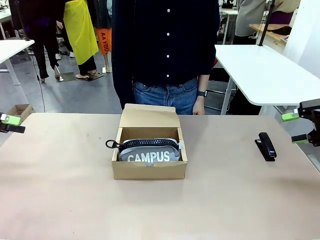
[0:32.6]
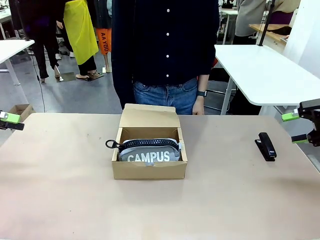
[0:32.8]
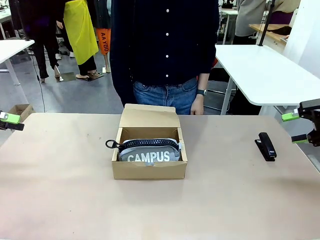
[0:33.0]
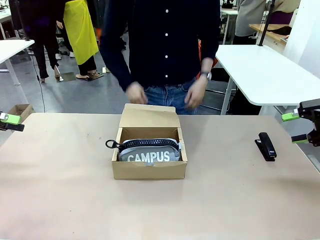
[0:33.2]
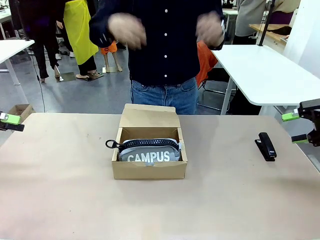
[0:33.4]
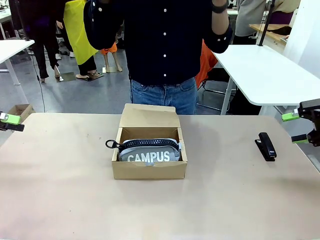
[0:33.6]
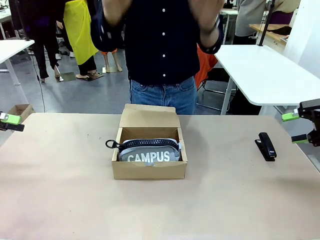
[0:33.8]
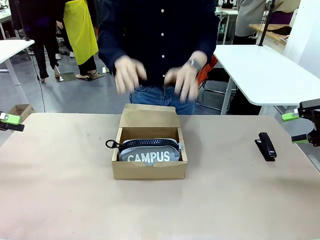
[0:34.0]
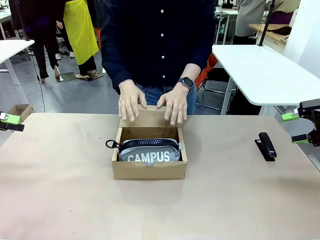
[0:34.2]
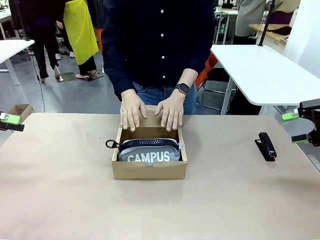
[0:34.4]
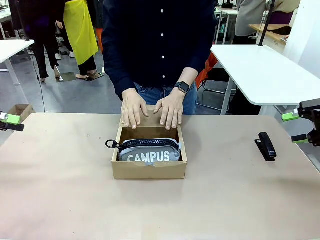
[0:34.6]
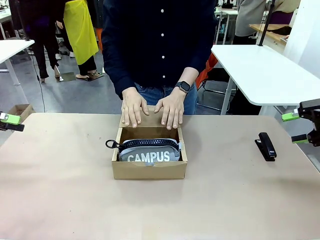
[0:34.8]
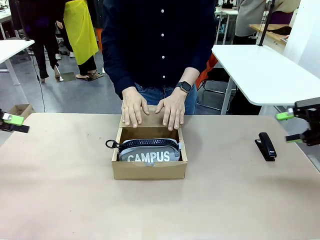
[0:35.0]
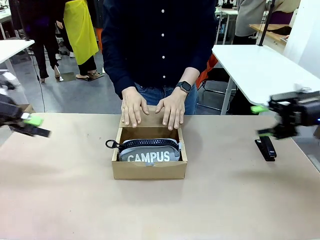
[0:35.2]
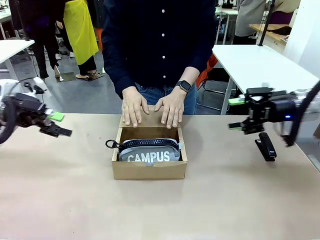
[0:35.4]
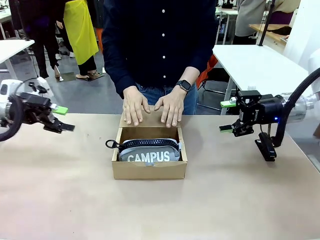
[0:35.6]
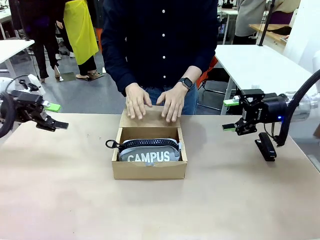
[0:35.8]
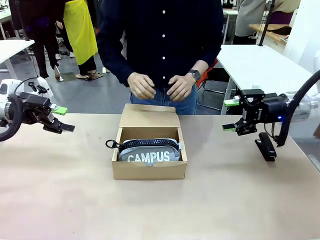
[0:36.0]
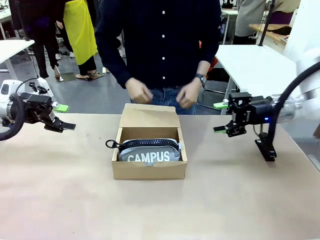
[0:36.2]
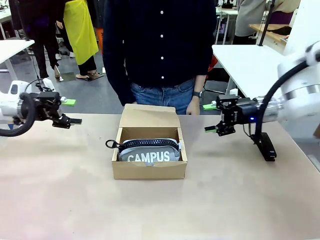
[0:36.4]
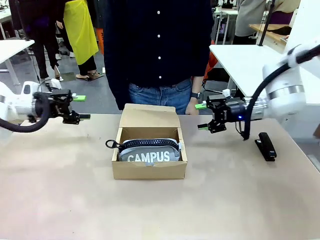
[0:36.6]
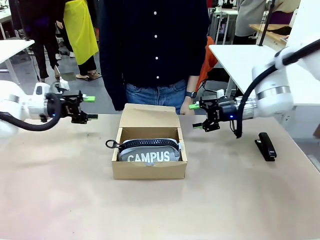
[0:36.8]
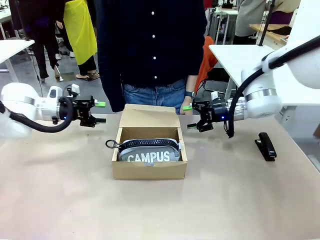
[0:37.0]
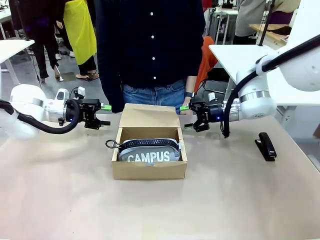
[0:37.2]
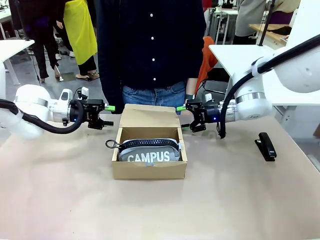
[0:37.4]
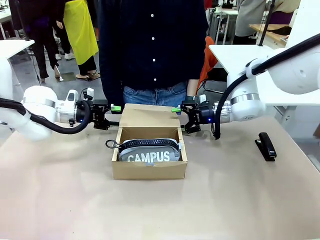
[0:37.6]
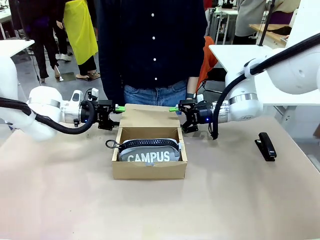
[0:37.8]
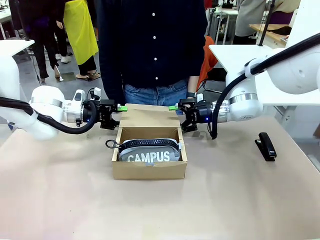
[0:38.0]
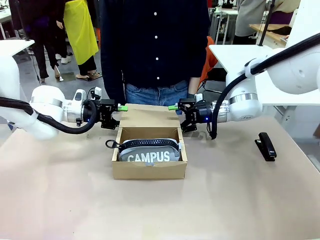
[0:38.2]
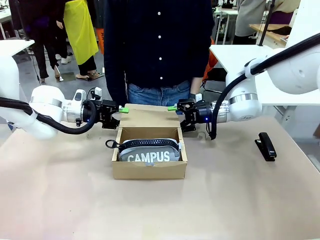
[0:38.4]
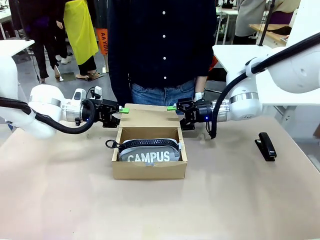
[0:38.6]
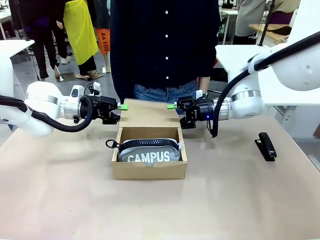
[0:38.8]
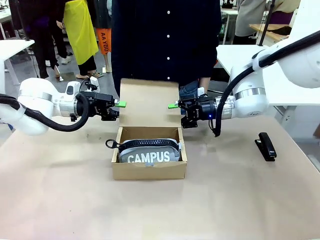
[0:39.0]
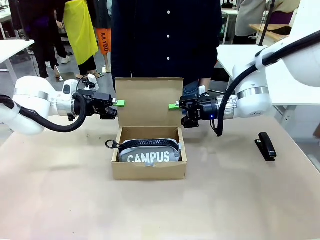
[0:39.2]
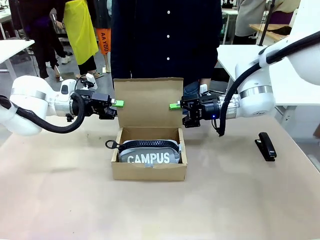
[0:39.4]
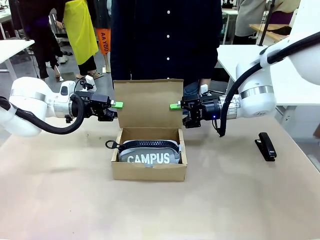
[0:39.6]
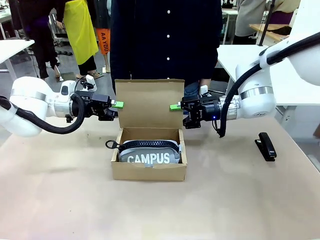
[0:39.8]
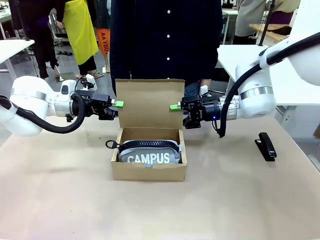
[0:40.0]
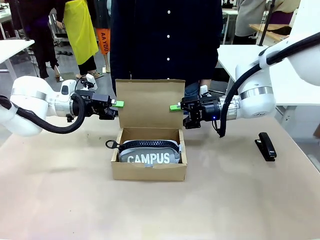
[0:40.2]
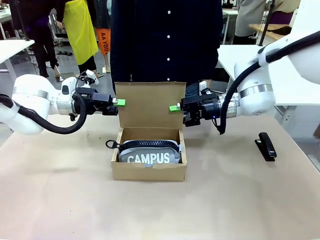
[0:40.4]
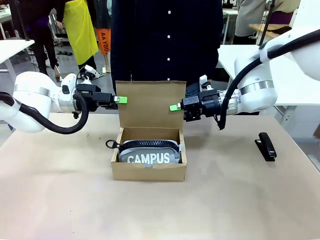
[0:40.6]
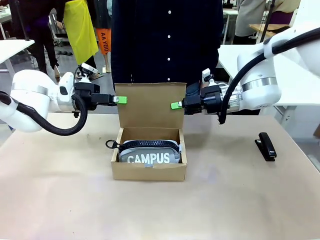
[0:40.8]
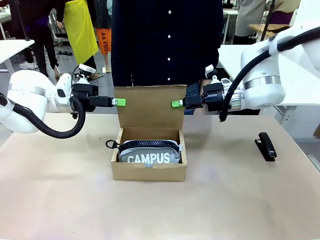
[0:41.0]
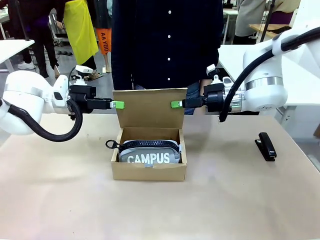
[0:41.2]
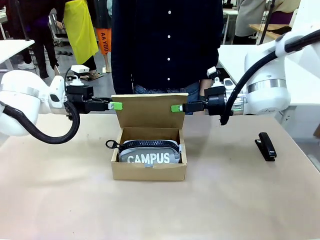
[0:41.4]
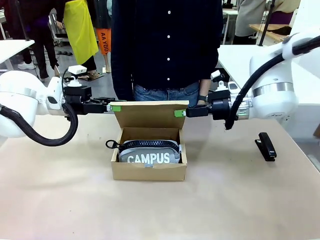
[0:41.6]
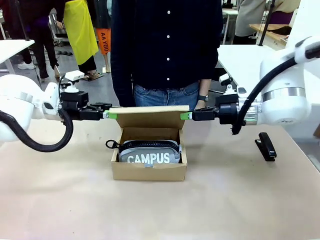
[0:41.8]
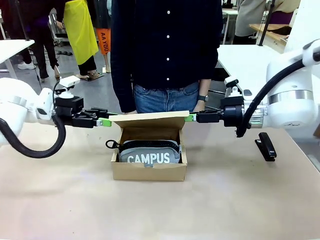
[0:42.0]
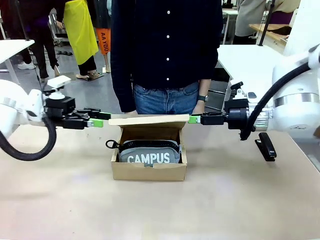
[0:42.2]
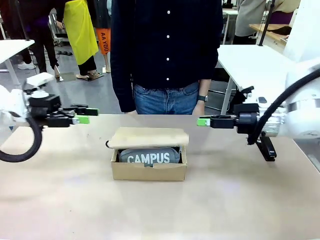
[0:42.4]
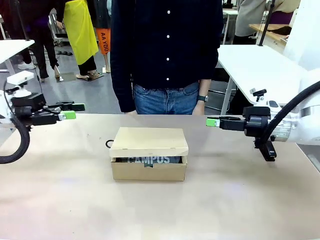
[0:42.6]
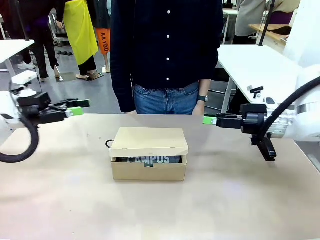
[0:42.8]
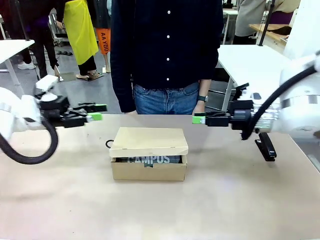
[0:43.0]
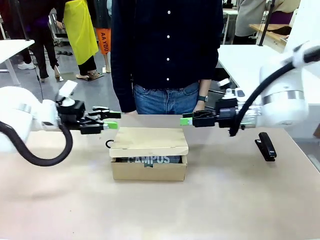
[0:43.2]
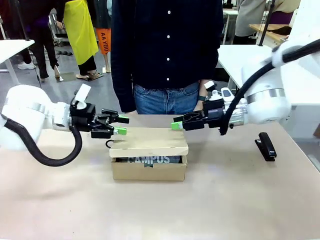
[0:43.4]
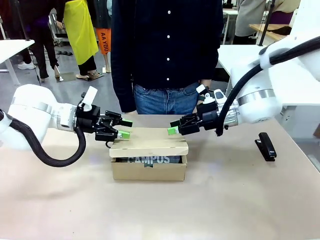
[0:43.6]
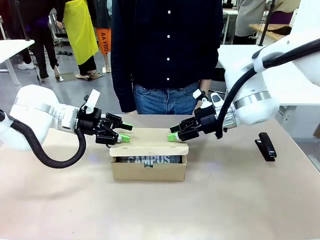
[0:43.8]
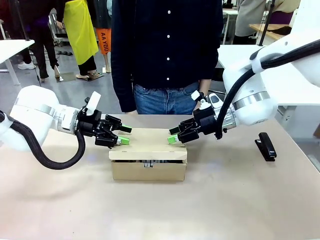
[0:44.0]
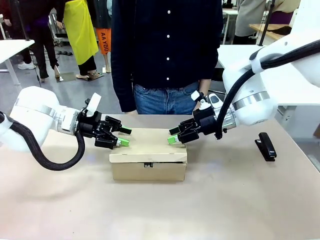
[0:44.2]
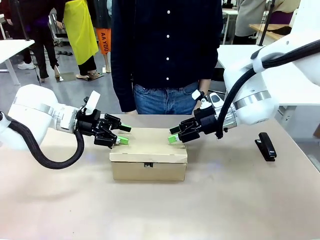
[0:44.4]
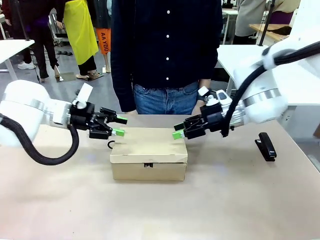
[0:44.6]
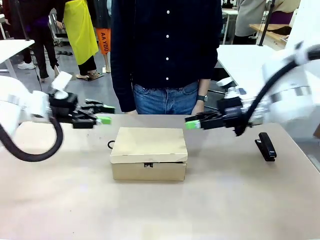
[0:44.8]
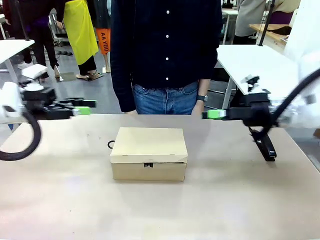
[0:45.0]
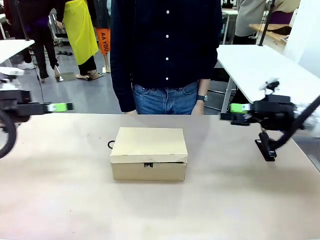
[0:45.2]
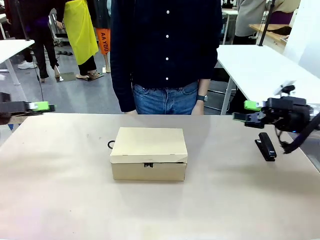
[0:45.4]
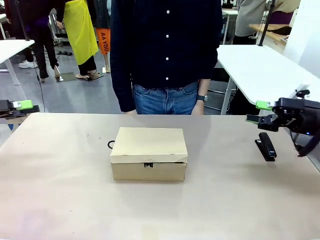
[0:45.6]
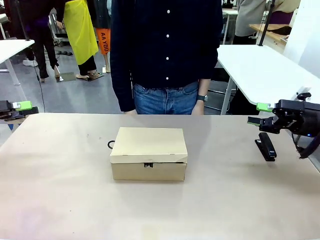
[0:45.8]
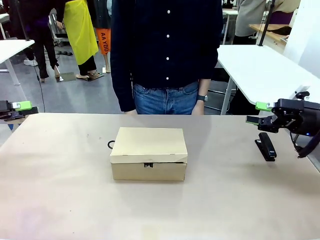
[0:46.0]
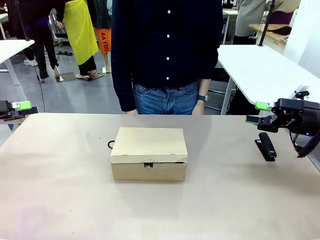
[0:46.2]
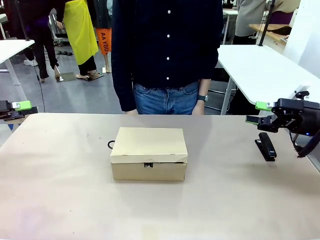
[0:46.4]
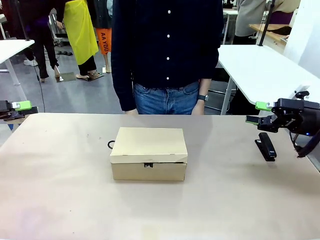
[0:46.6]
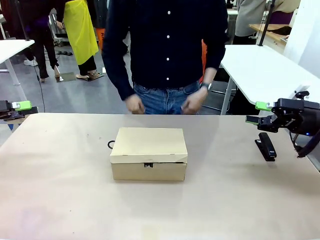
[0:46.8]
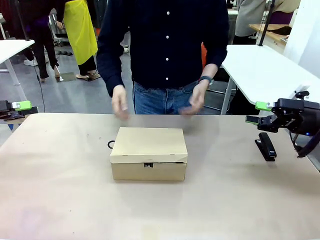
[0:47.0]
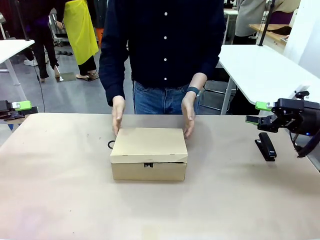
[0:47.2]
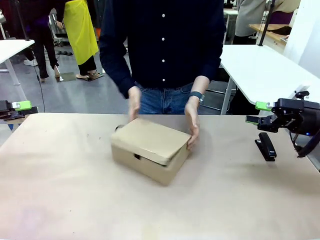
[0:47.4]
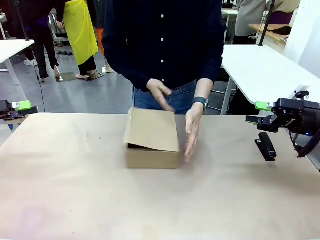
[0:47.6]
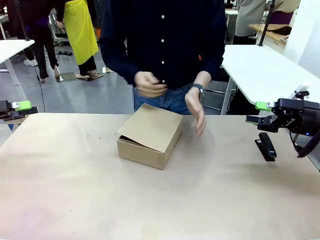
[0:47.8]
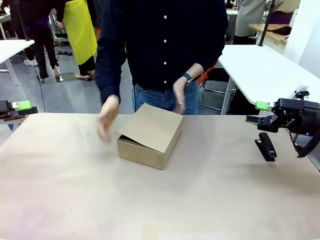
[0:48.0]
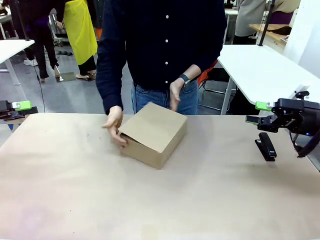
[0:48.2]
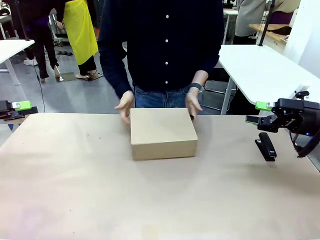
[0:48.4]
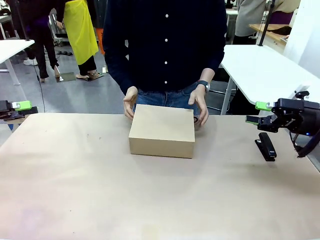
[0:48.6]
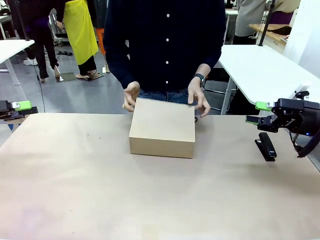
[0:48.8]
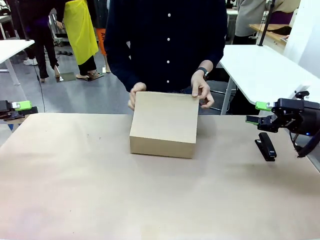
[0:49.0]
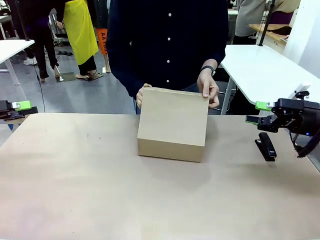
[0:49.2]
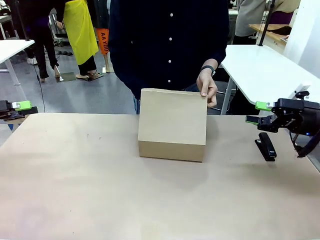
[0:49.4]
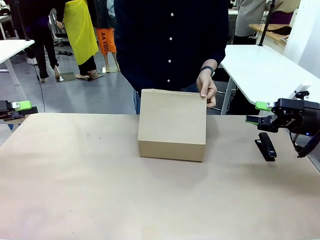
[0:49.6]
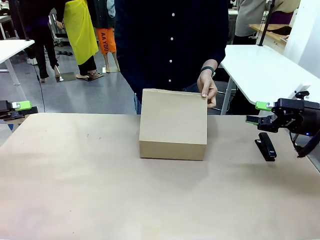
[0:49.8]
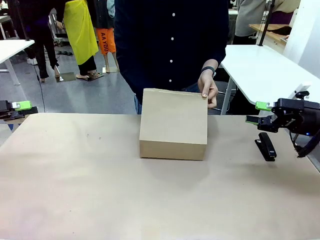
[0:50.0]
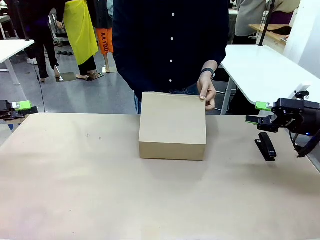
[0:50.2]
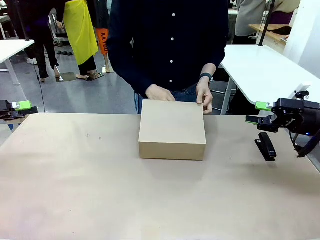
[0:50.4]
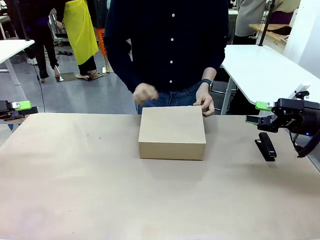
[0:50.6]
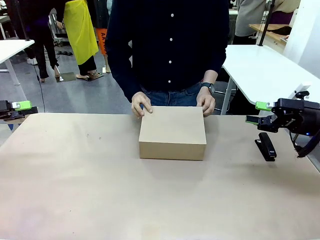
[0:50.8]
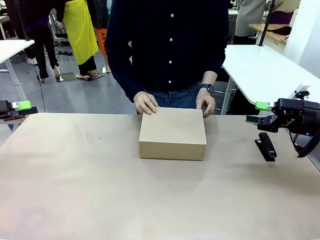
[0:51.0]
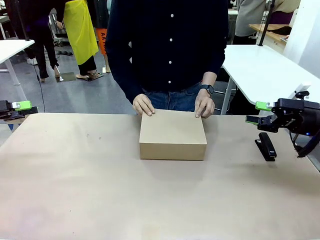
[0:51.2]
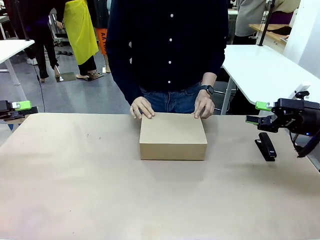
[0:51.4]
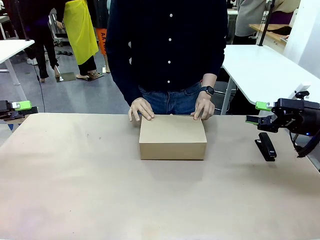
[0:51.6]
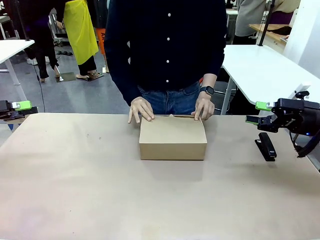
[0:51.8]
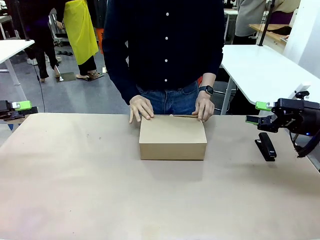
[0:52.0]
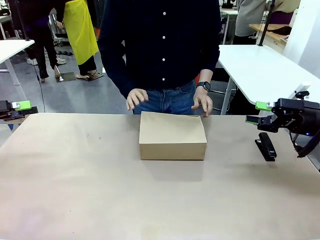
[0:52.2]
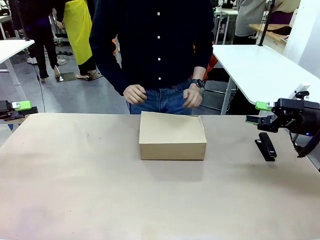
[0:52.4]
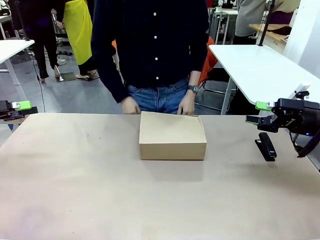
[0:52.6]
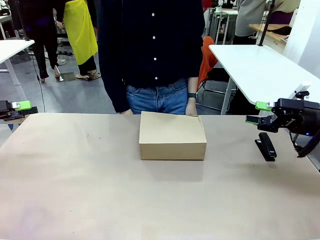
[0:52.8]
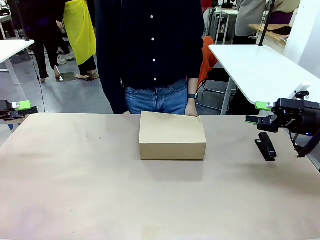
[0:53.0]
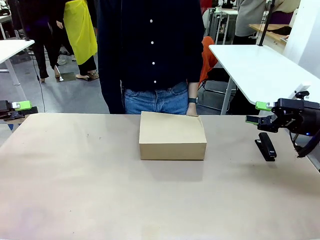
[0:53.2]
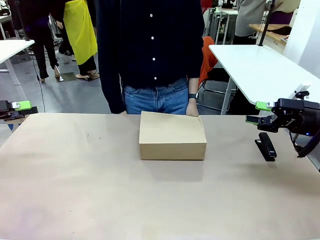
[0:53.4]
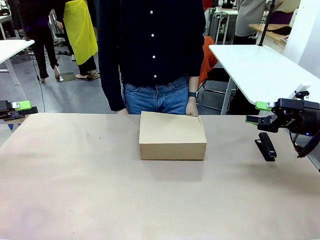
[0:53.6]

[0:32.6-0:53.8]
Task: Pack the items into the box.
Robot: Close the Mailer Box.
Person: Turn the box and lock it.
